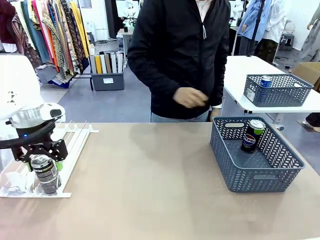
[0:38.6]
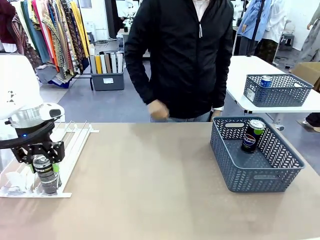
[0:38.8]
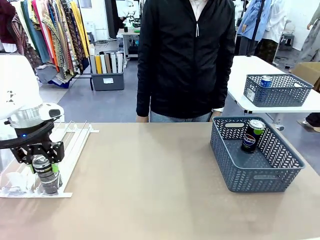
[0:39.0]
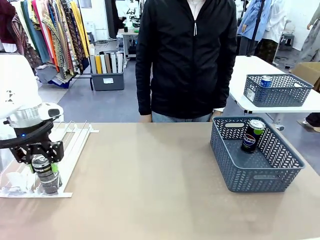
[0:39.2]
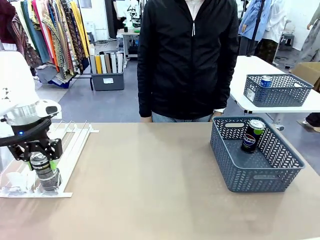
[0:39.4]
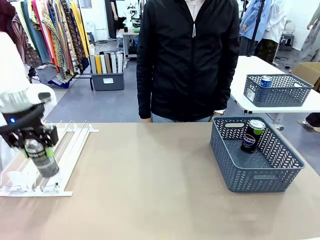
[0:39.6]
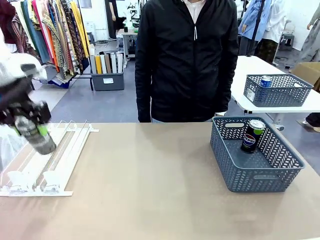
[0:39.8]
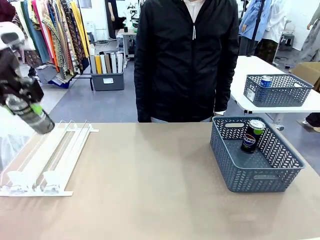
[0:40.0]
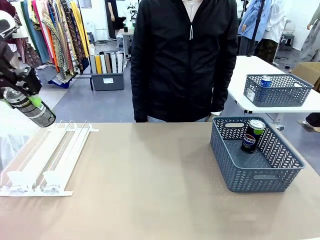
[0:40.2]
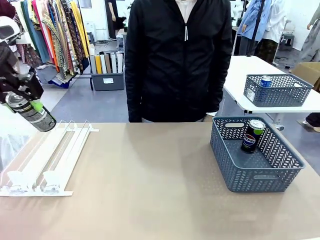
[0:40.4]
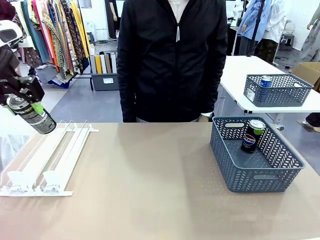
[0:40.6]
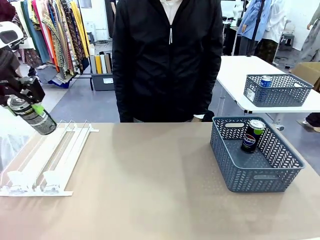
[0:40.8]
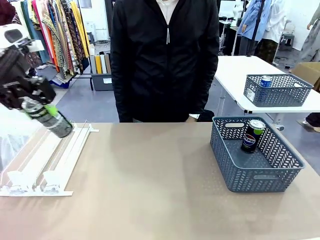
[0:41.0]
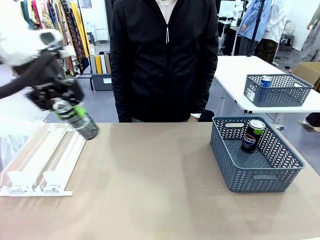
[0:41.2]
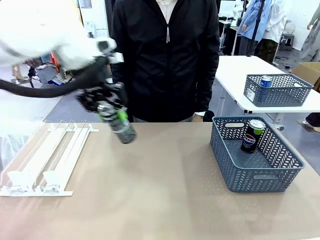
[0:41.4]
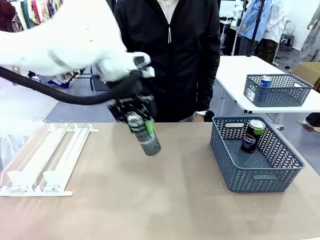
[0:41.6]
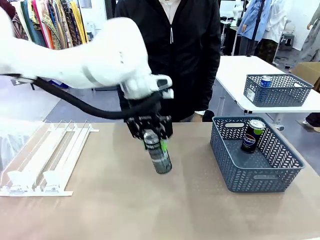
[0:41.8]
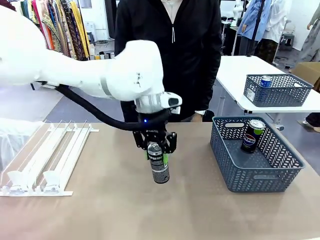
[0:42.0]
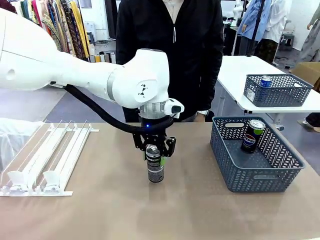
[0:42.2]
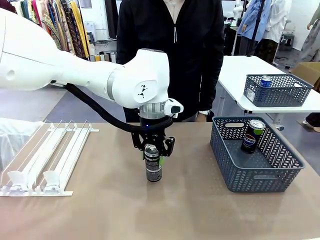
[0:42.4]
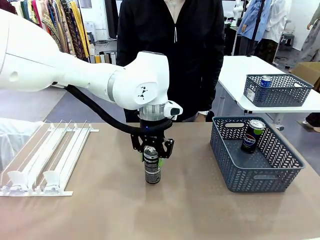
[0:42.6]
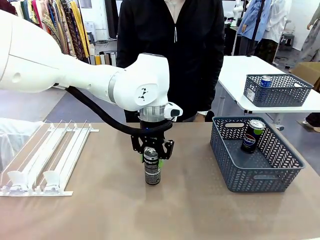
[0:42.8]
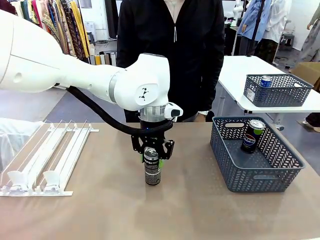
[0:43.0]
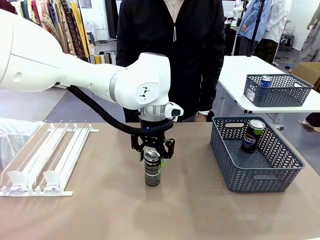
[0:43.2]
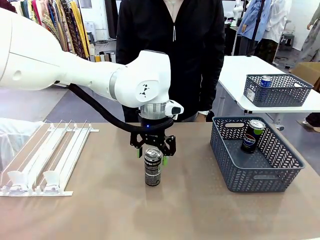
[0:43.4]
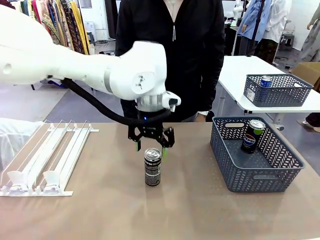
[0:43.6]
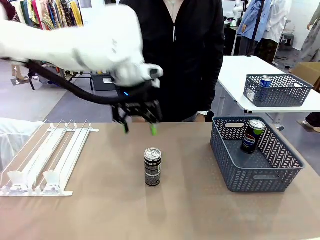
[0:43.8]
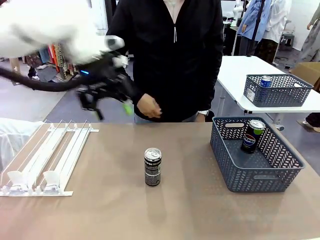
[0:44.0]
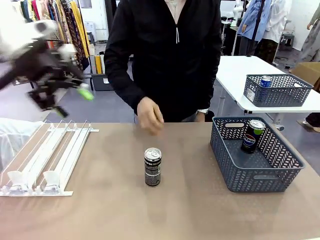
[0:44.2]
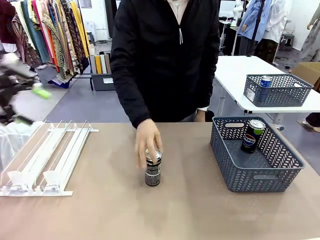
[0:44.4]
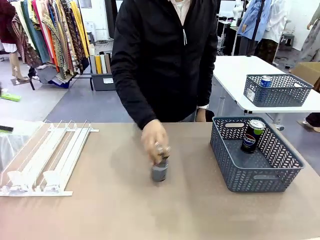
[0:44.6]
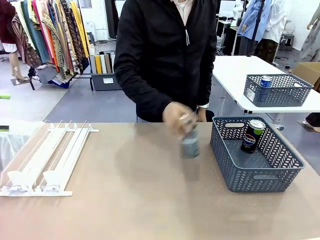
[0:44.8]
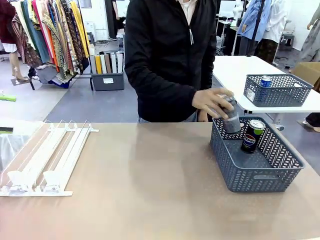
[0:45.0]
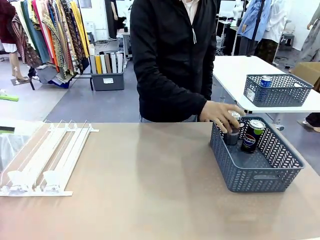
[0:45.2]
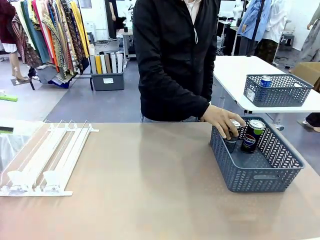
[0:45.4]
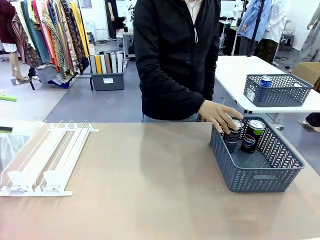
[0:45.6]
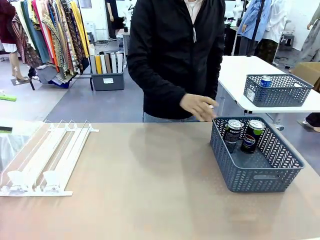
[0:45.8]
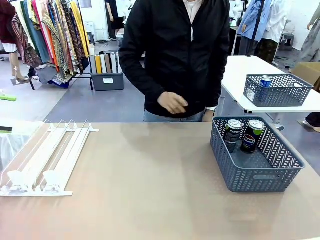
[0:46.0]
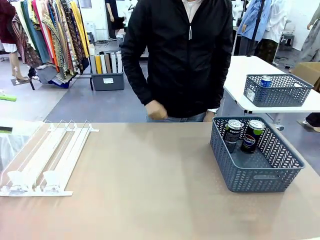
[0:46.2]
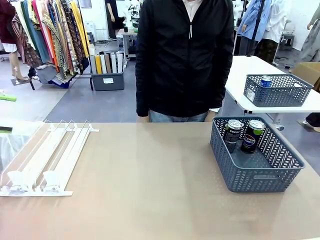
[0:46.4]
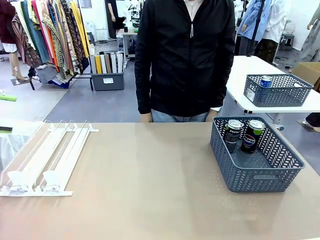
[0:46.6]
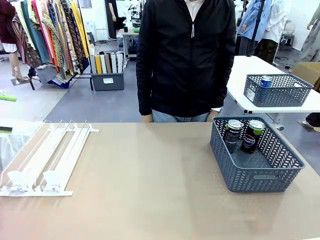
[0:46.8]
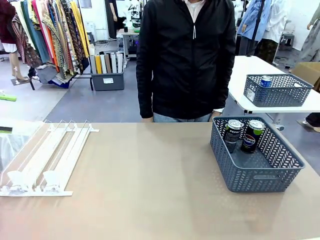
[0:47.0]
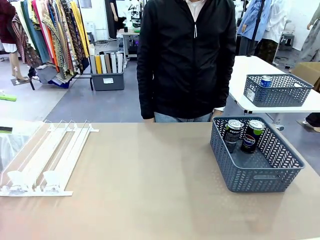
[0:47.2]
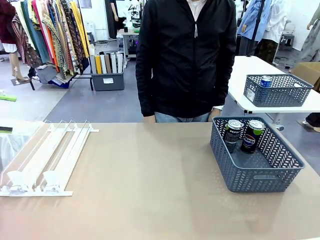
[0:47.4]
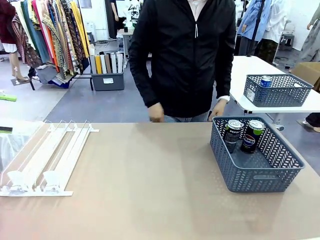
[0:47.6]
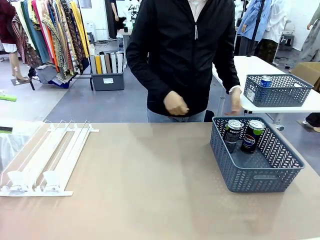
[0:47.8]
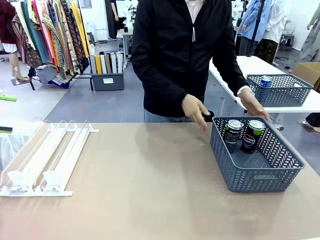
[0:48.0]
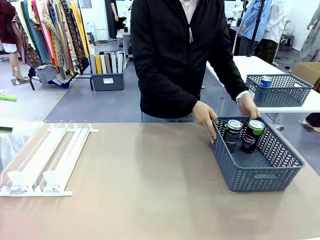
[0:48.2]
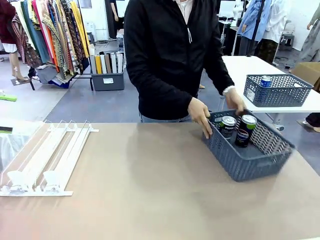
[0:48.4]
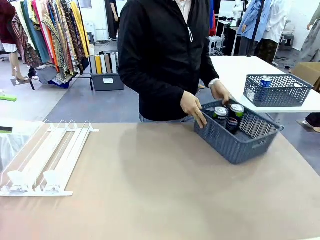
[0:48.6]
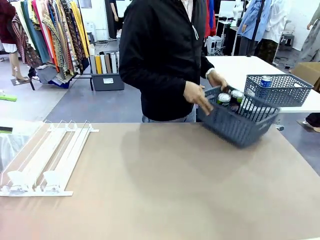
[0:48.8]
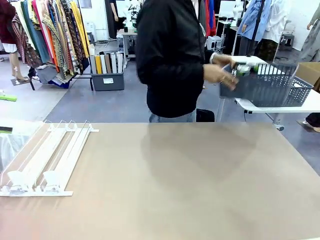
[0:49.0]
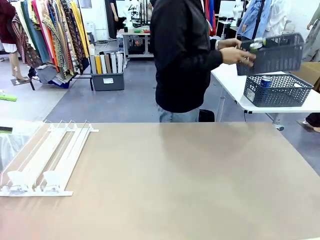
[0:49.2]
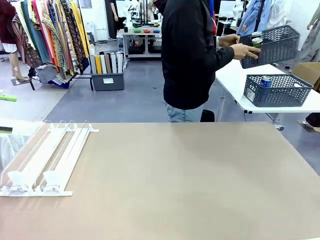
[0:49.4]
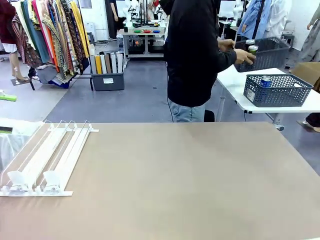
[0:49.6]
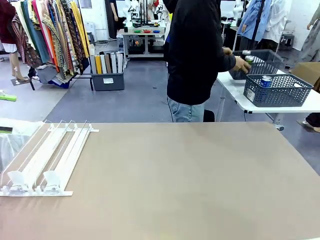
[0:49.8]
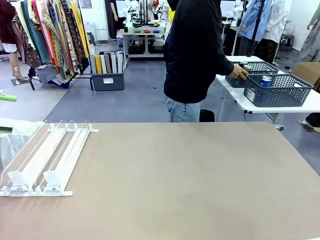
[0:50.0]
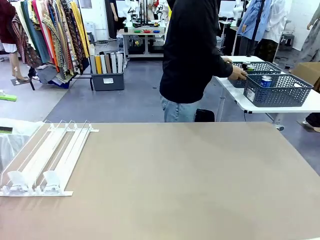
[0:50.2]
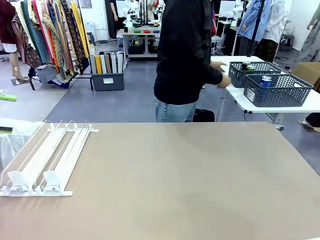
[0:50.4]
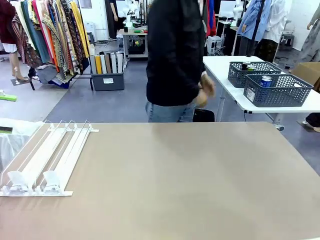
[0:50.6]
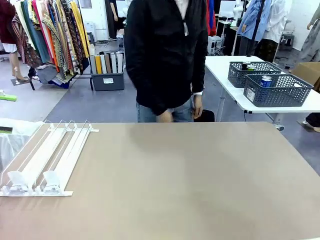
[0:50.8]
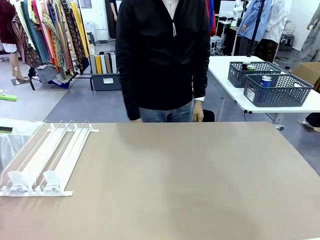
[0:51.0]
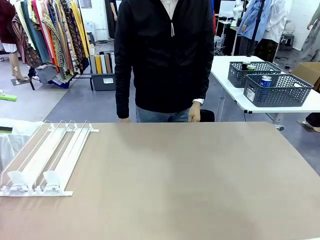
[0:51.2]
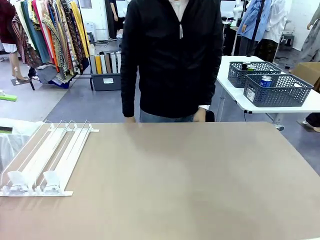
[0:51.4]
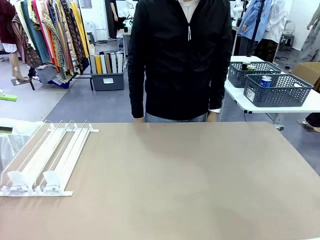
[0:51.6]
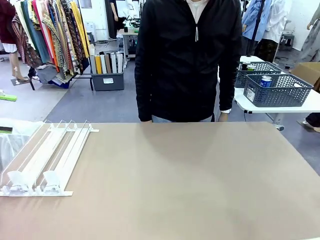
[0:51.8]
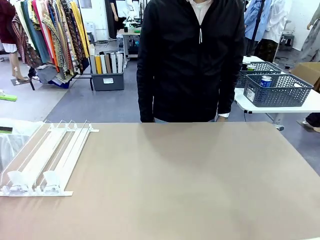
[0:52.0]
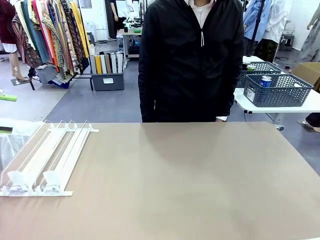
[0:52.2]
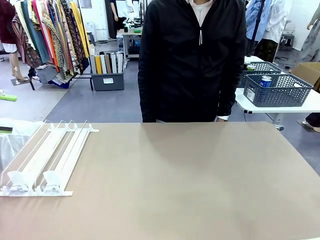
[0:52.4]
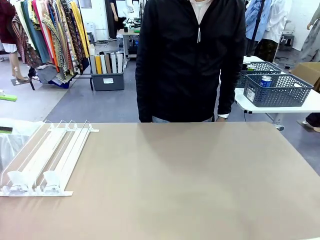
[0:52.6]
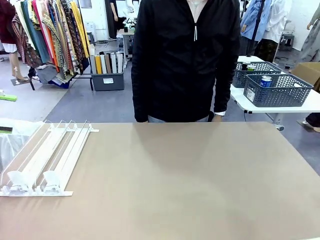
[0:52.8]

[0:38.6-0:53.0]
Task: Retrieve and store the cans from the dispenser.
Robot: Pick up one can from the Automatic Can Dispenser and place it in the middle of the table.
Person: Pick up one sports drink can from the middle of the robot table and place it in the basket. Pick up the basket and place it in the middle of the human table.

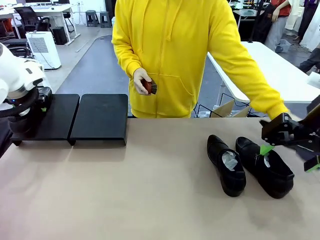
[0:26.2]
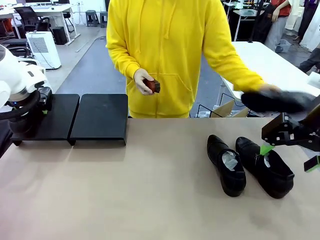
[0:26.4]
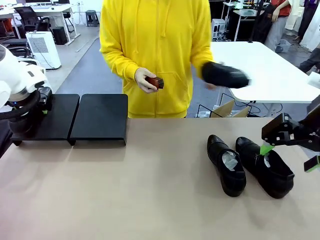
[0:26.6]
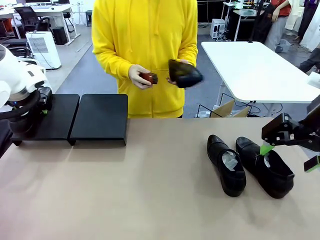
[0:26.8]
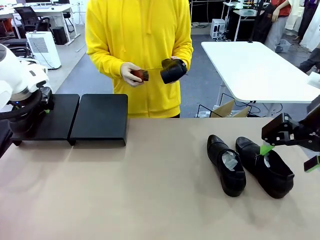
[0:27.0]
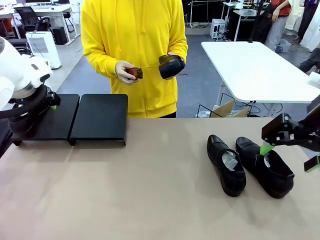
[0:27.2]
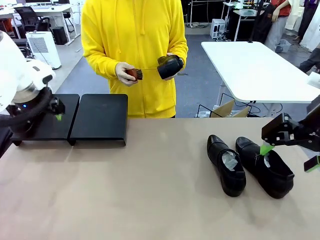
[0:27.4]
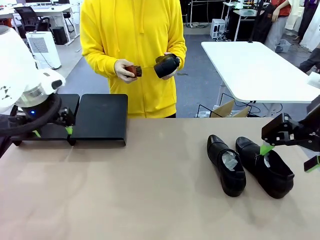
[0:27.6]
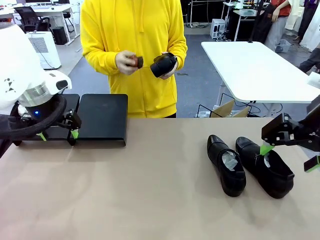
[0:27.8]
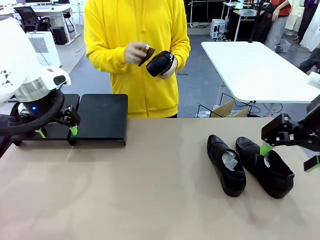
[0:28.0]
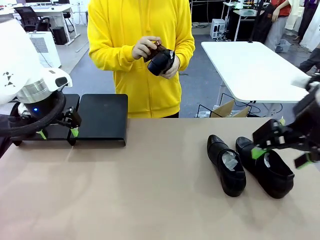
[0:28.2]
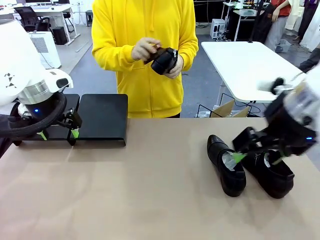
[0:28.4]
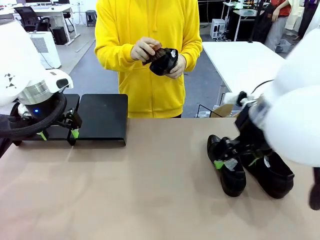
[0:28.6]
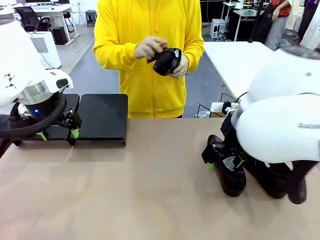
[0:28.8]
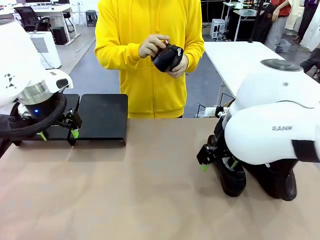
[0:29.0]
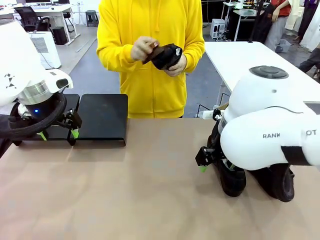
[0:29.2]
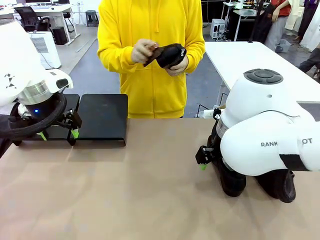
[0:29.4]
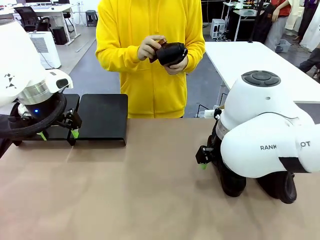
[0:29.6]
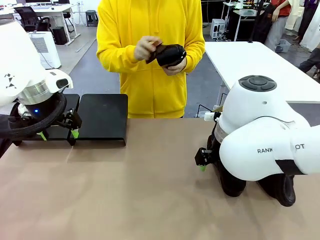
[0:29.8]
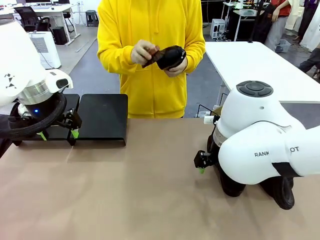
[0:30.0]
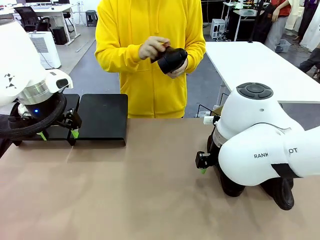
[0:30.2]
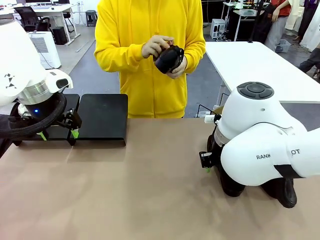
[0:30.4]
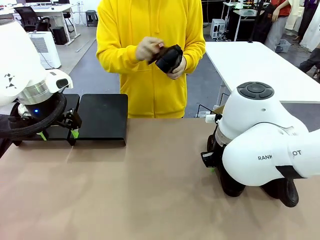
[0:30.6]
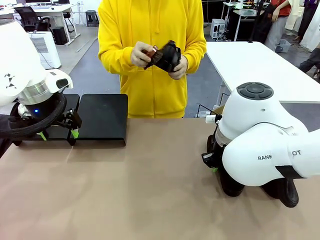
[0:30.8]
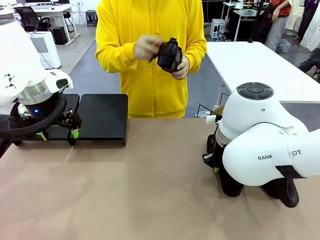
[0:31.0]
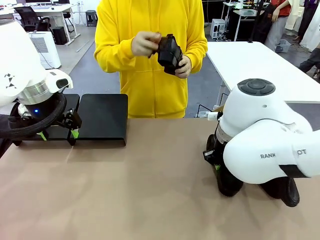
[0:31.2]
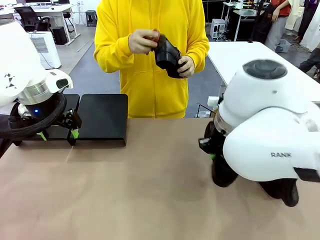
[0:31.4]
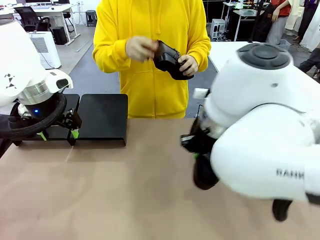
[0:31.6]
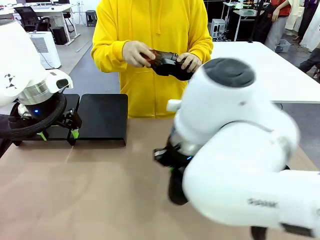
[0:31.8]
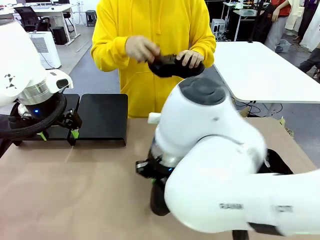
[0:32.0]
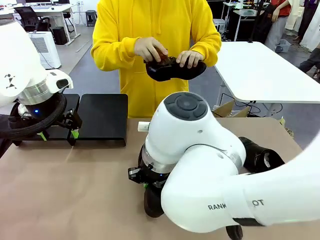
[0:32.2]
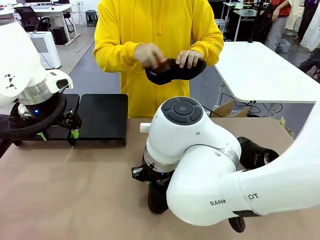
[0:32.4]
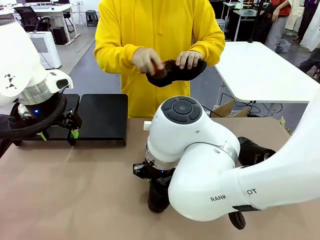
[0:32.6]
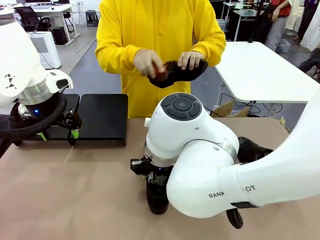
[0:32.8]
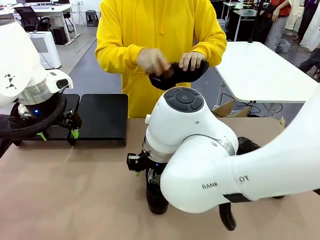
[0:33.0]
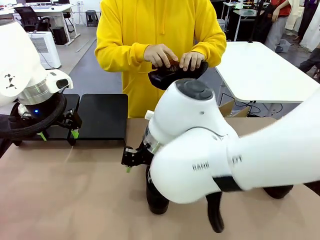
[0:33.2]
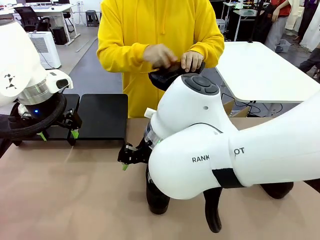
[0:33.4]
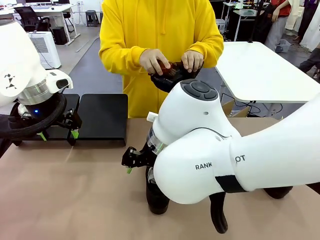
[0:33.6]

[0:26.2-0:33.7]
Task: Organize the shoes by placing them on the stand.
Robot: Pick up one Shoe and place it in the middle of the table.
